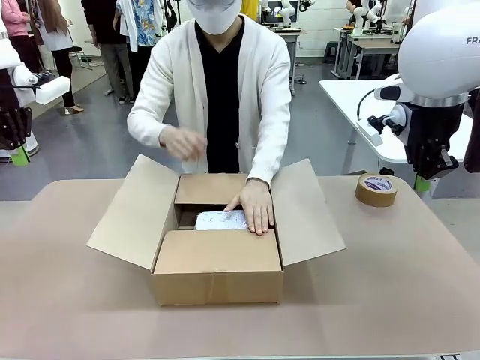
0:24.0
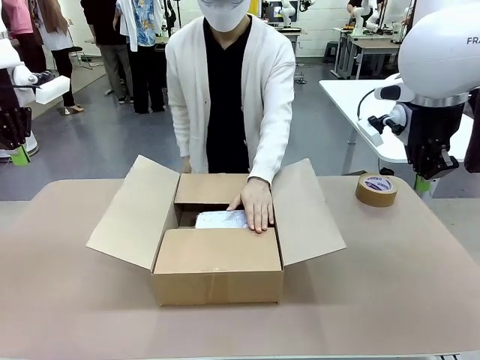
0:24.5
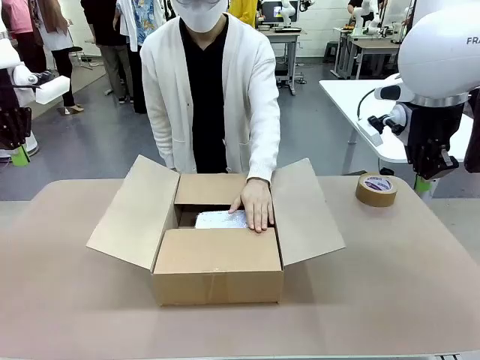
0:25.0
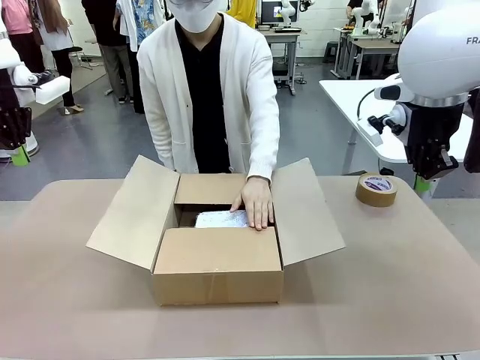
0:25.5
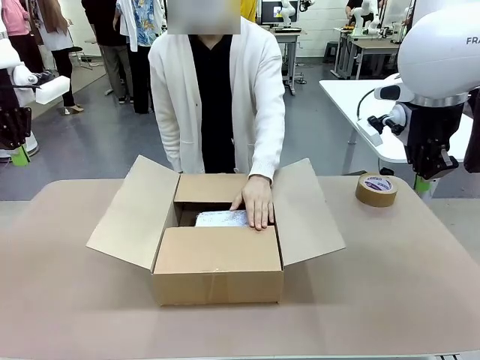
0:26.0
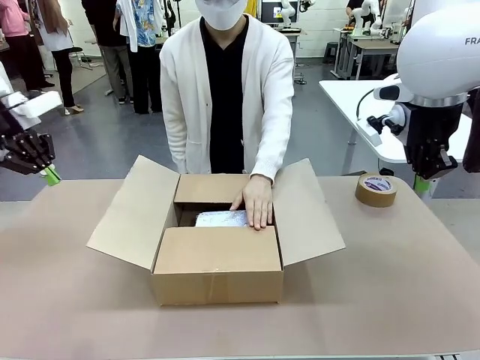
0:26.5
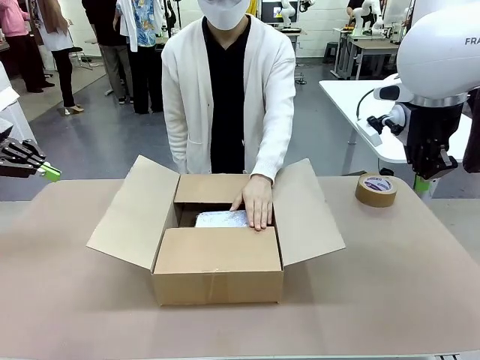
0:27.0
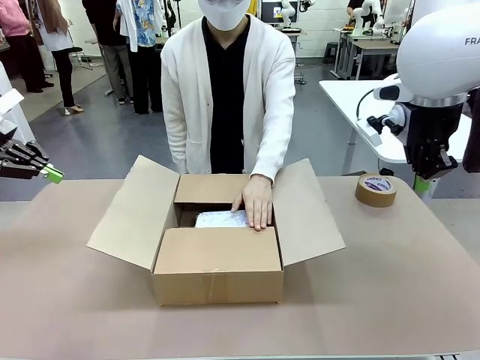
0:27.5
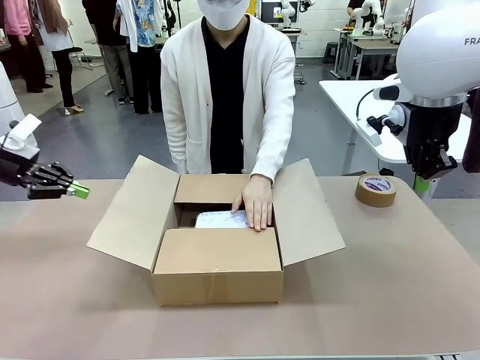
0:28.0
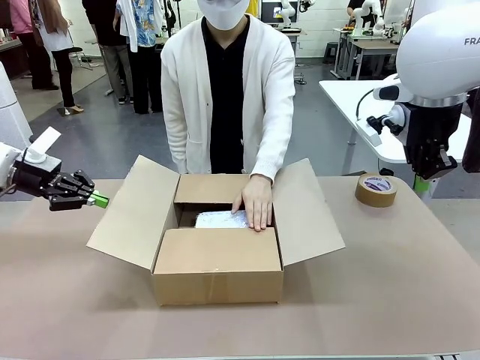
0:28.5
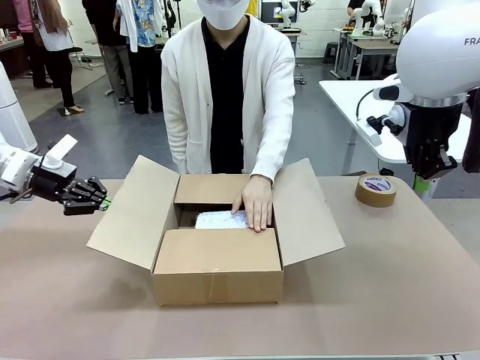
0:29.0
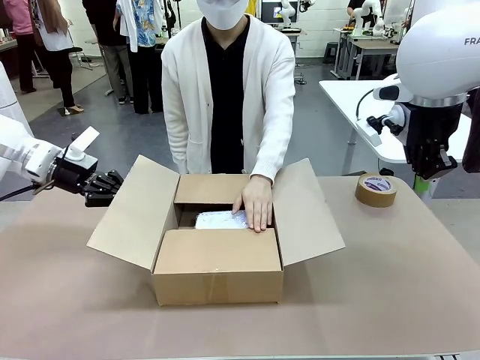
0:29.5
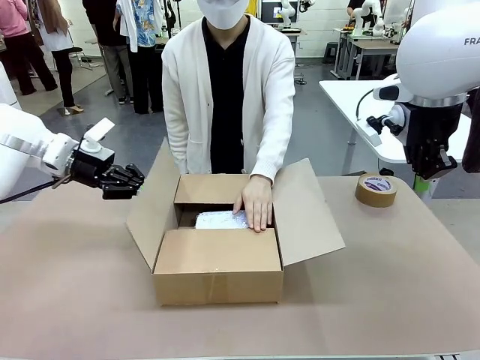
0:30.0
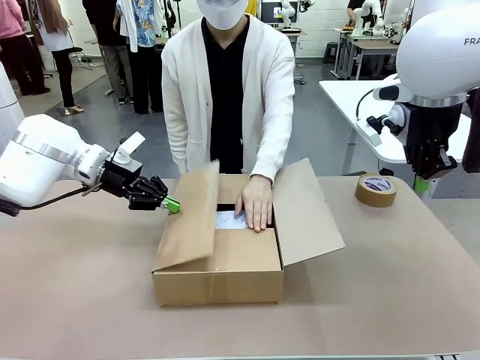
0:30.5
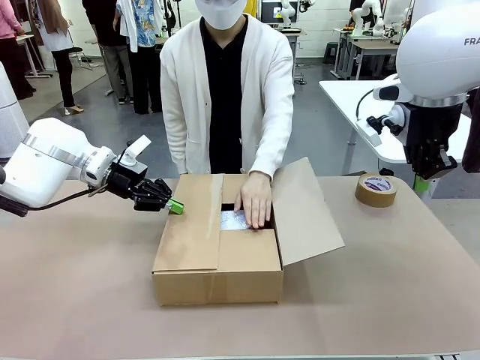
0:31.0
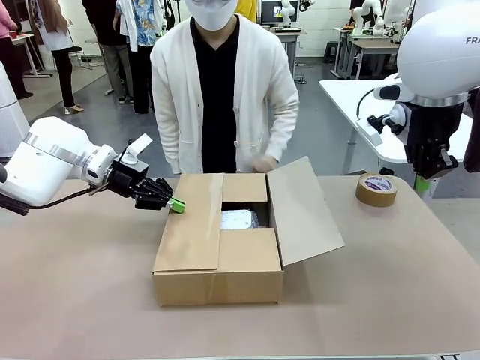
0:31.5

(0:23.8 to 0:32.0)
Task: Wrap the clocks to prevent damage.
Robot: Push the right (or left) flap of the Package Box to close it.
Person: Once the robot closes the right flap of the Package Box , release your left hand from the box.

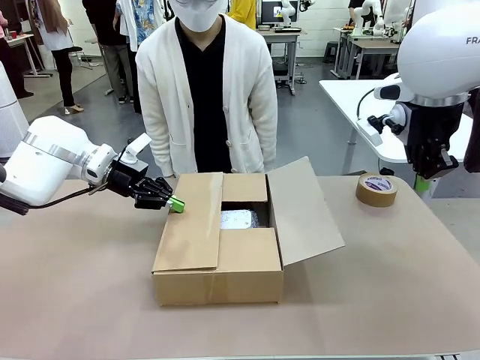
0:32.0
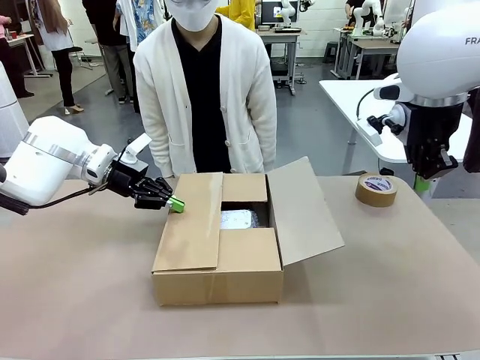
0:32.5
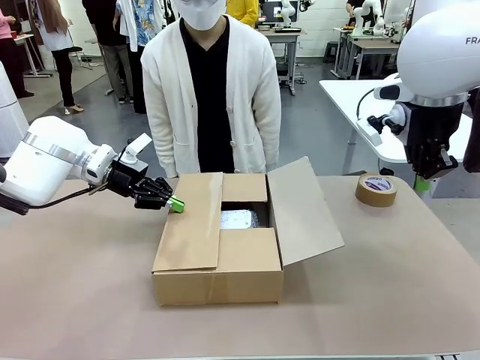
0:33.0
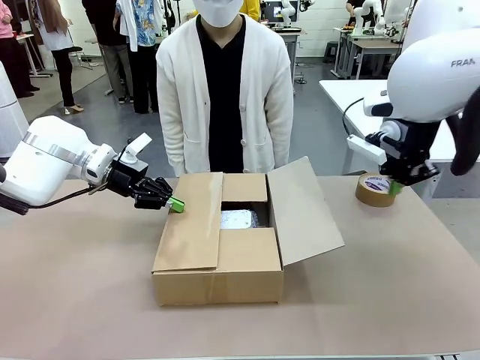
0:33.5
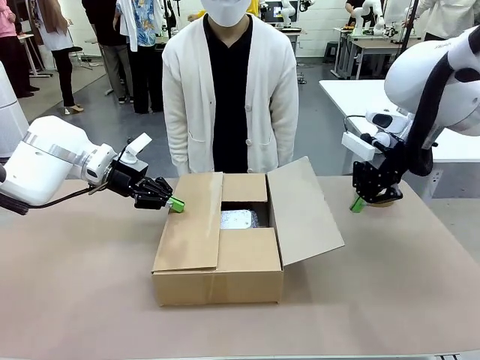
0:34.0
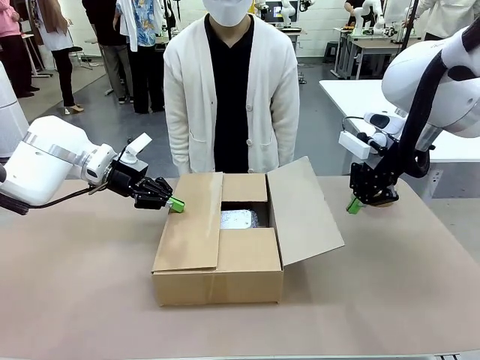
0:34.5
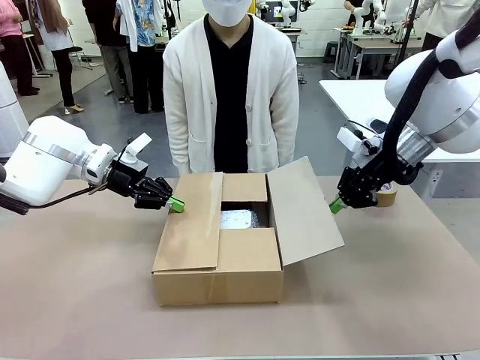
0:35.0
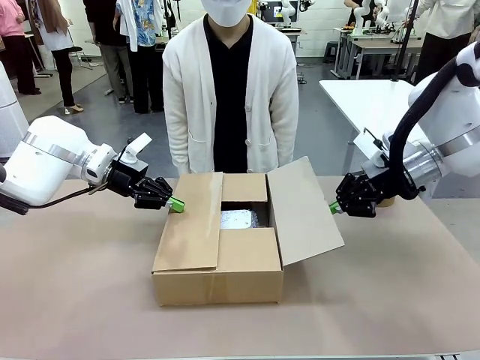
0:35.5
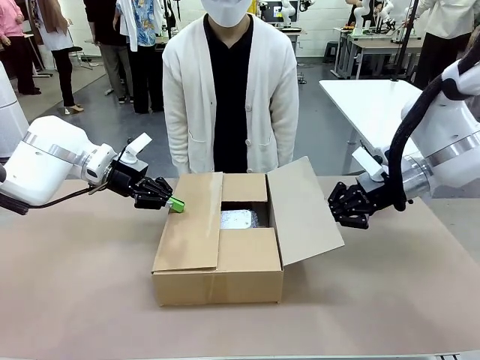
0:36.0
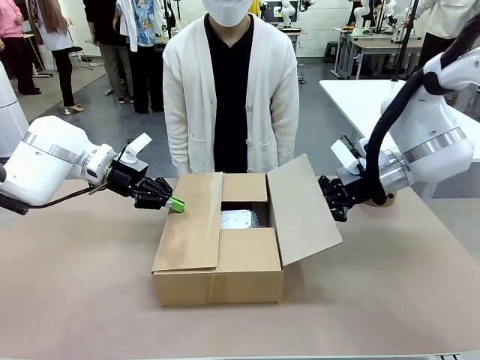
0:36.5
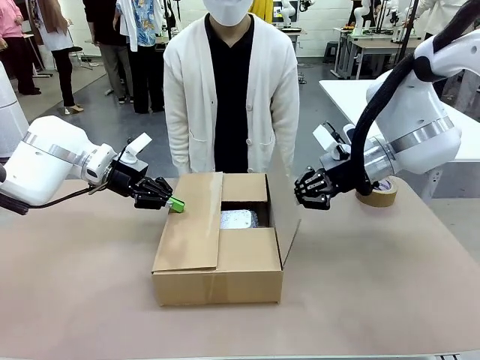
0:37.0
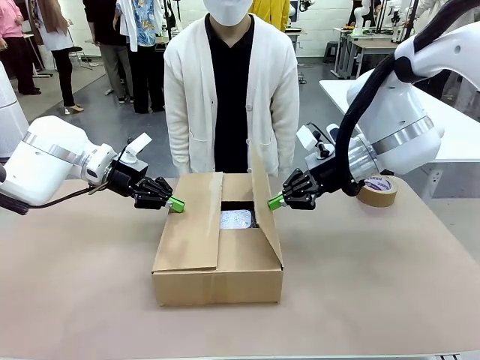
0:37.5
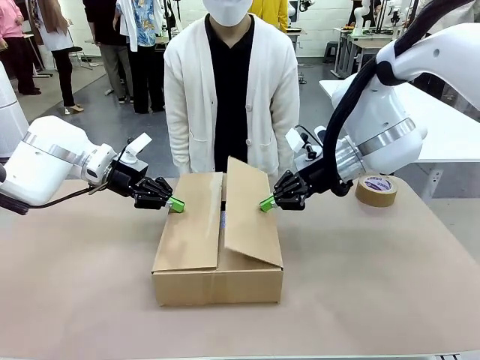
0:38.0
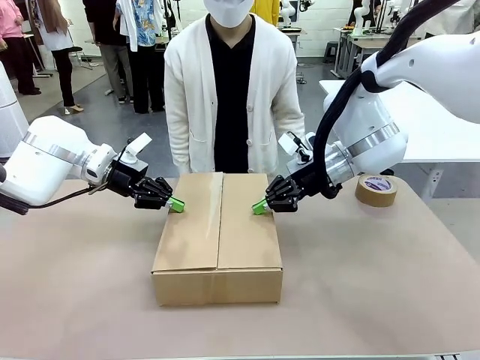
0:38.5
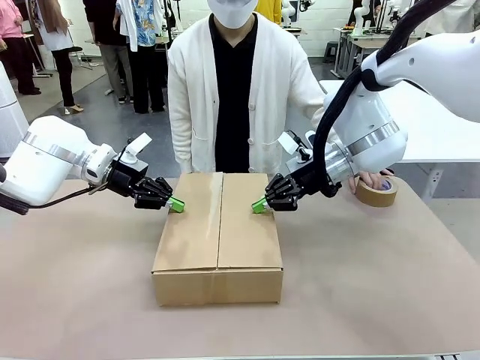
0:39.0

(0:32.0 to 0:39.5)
Robot: Push the left (or right) flap of the Package Box to close it.

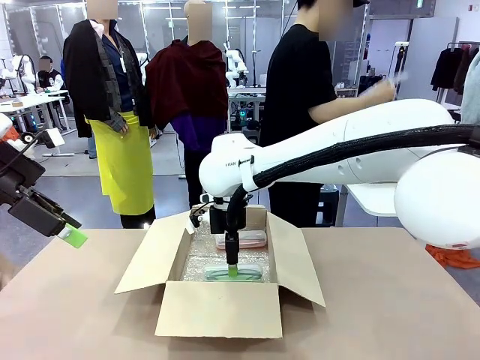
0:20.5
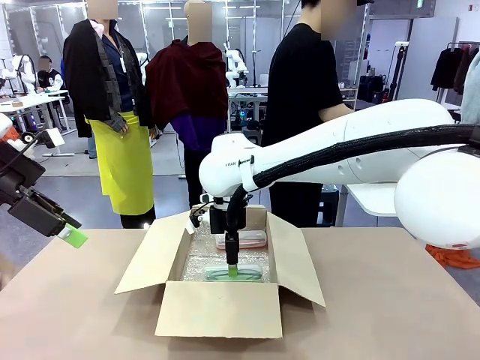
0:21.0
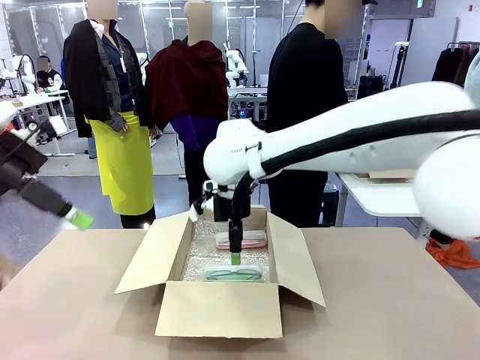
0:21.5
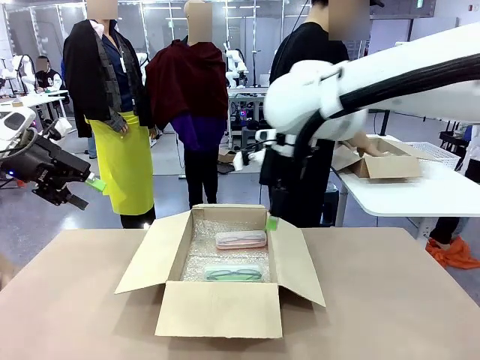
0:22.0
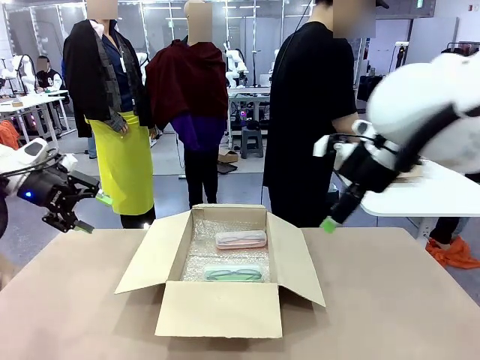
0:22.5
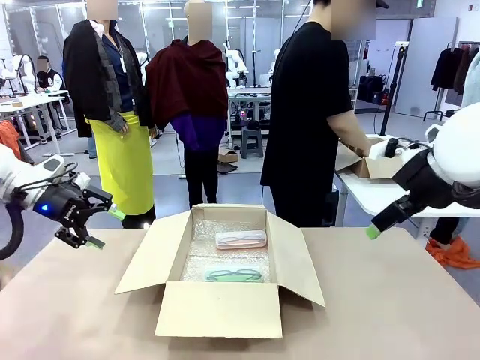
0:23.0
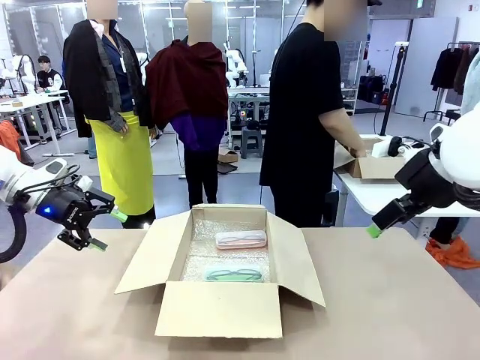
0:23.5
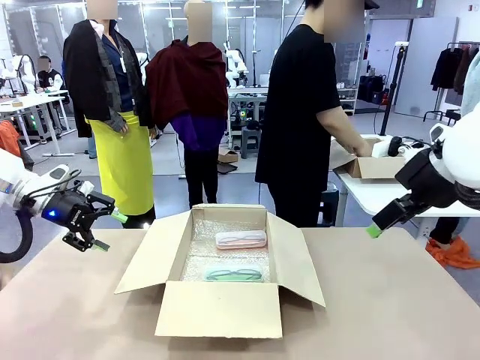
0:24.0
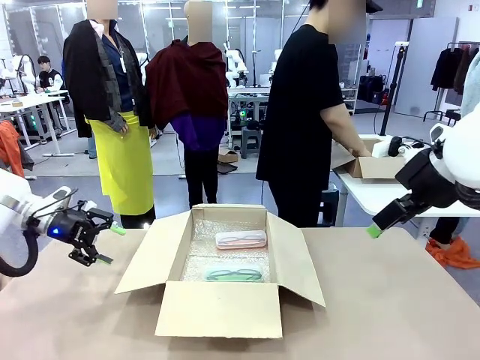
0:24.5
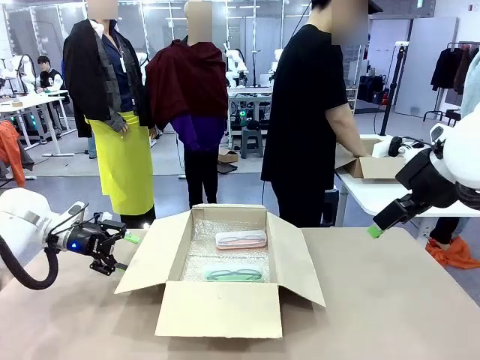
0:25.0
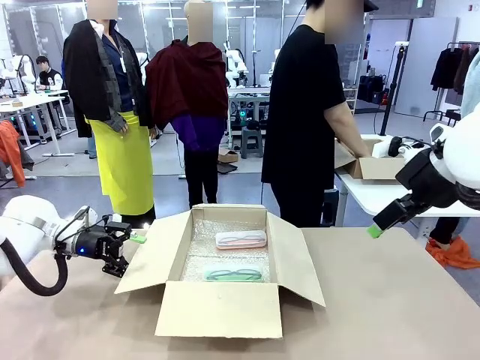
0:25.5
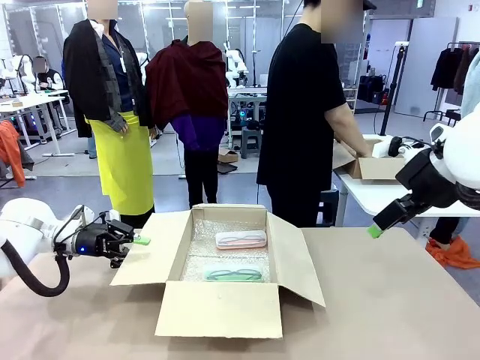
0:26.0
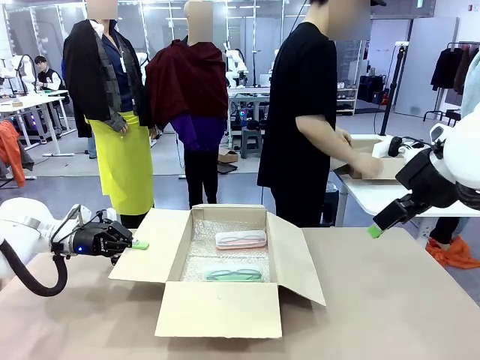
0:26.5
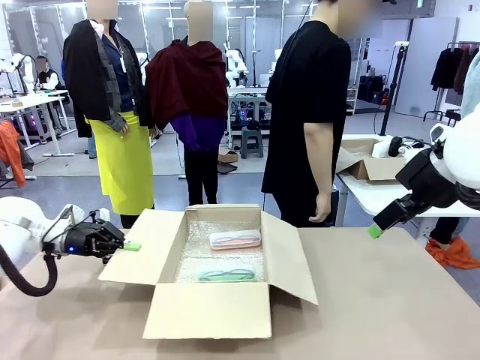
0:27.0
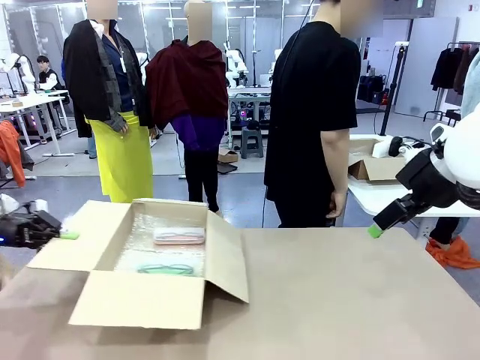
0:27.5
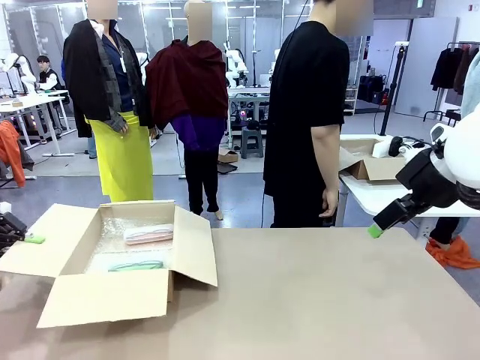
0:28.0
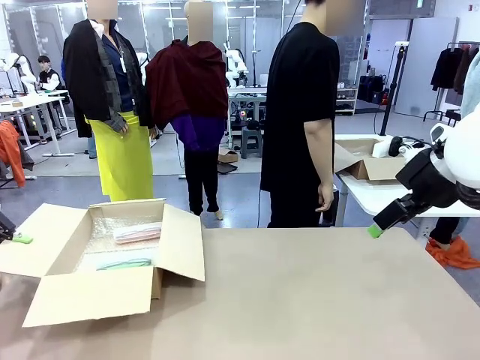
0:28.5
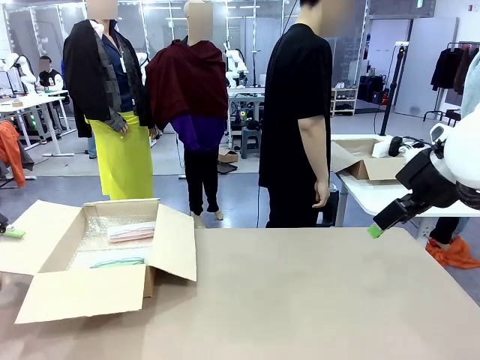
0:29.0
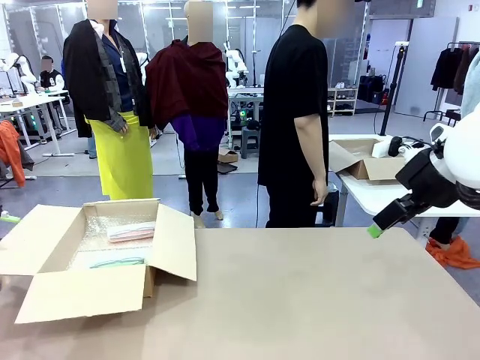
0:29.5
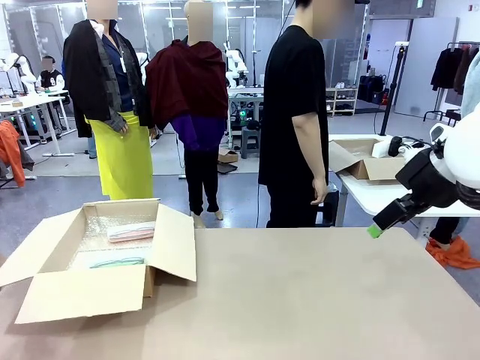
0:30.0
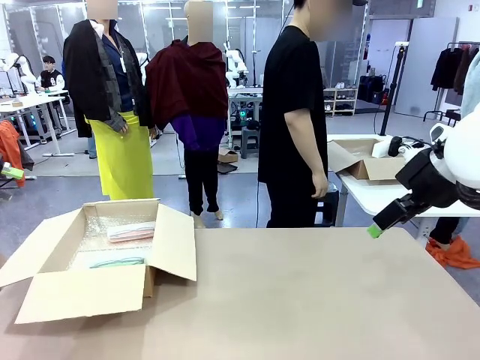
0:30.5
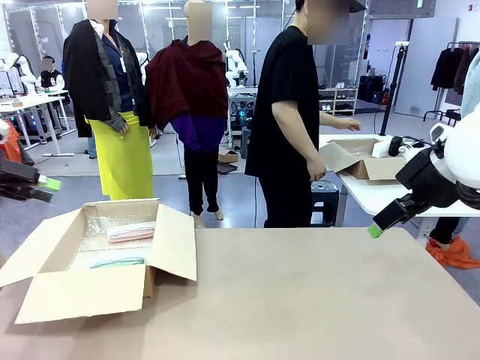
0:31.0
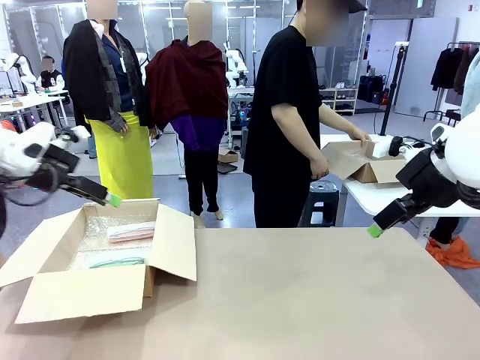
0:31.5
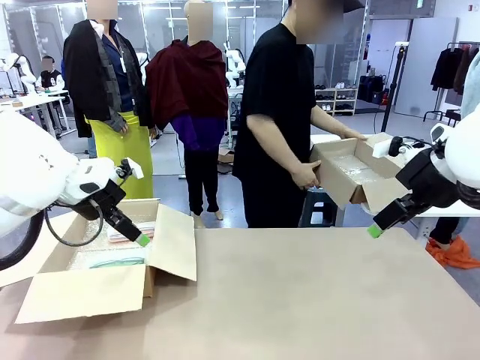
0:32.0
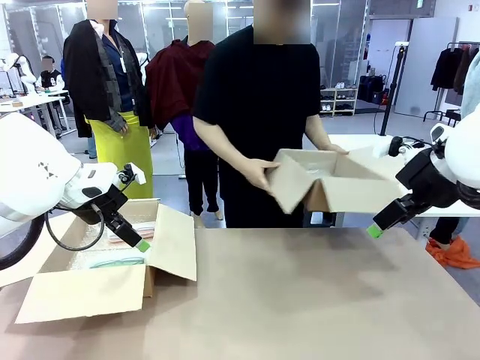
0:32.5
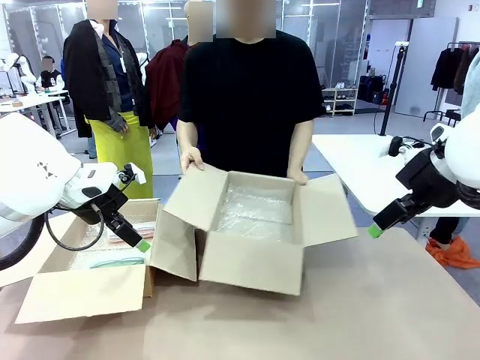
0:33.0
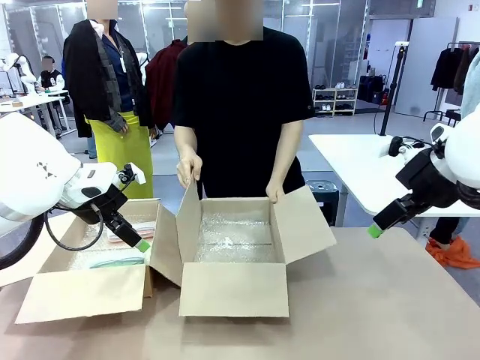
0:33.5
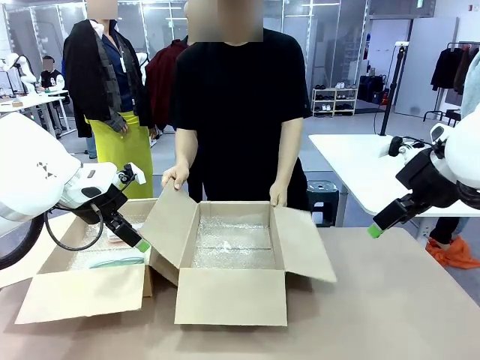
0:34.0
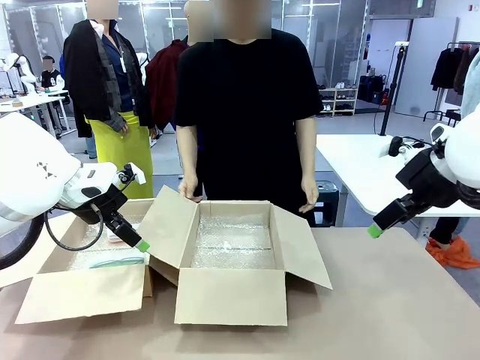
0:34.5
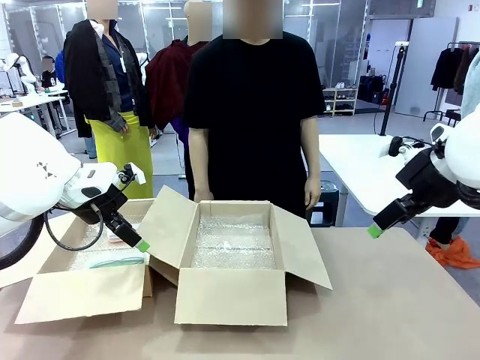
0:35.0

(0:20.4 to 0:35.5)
Task: Pack the glasses set securely to prepare it for shipping.
Robot: Position the Package Box on the left side of the table.
Person: Position the empty Package Box in the middle of the robot's table.
